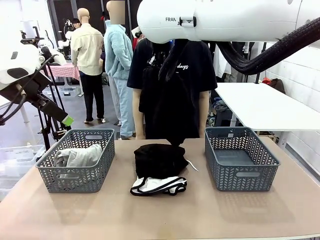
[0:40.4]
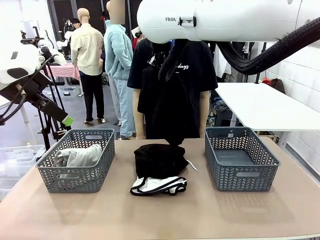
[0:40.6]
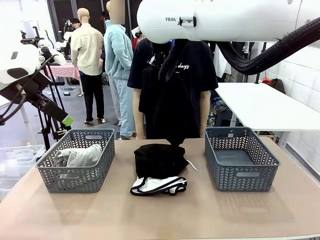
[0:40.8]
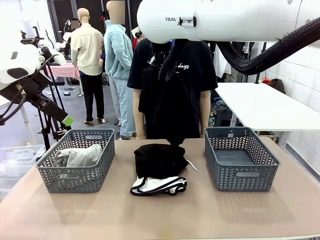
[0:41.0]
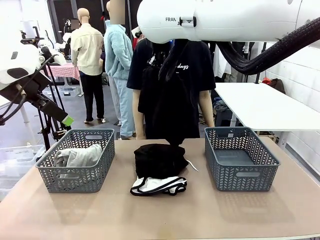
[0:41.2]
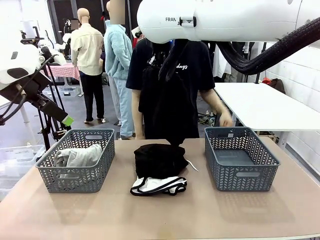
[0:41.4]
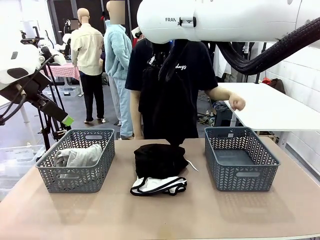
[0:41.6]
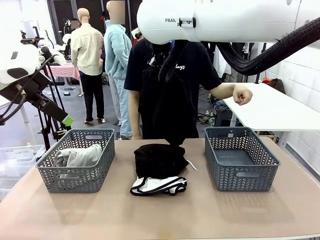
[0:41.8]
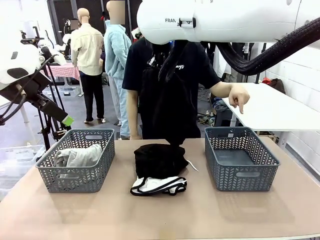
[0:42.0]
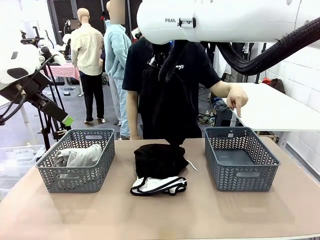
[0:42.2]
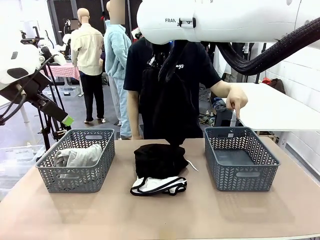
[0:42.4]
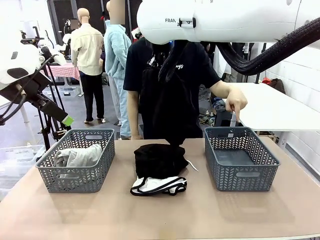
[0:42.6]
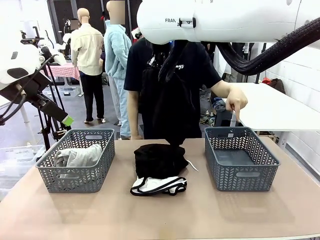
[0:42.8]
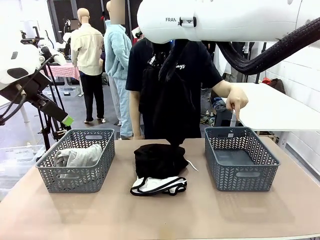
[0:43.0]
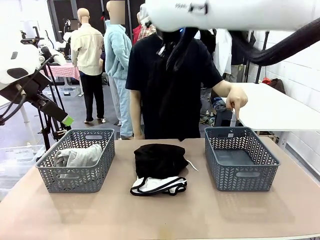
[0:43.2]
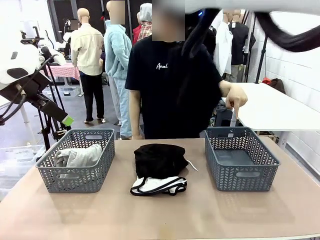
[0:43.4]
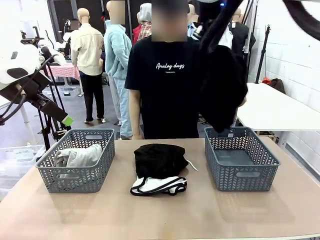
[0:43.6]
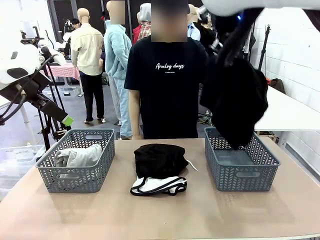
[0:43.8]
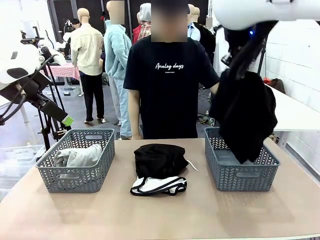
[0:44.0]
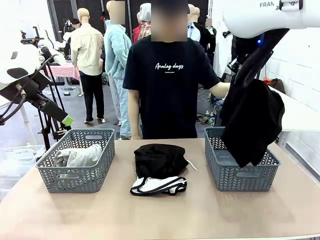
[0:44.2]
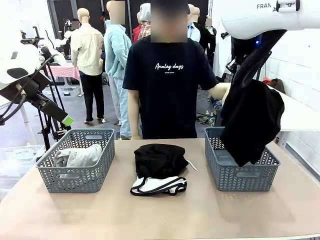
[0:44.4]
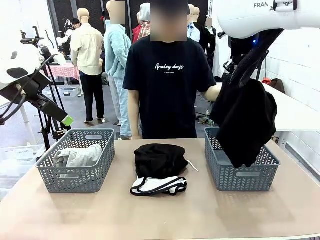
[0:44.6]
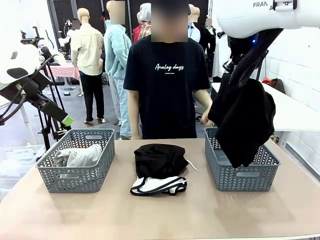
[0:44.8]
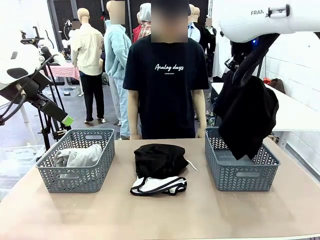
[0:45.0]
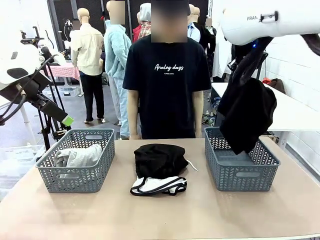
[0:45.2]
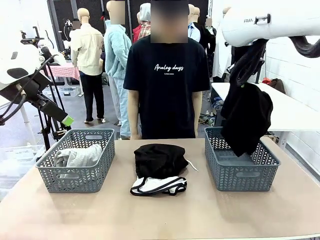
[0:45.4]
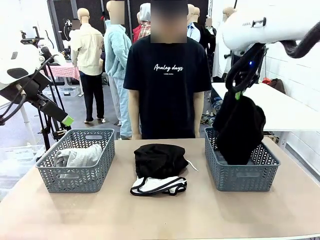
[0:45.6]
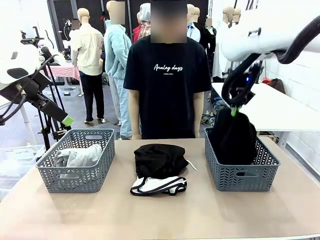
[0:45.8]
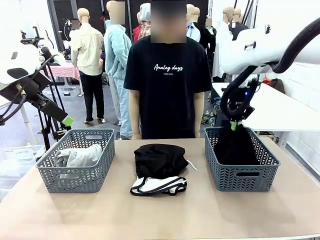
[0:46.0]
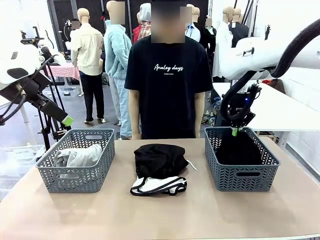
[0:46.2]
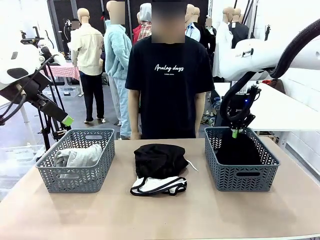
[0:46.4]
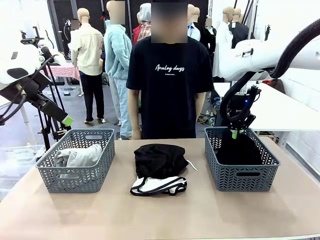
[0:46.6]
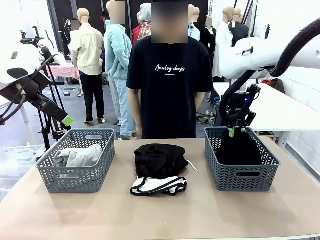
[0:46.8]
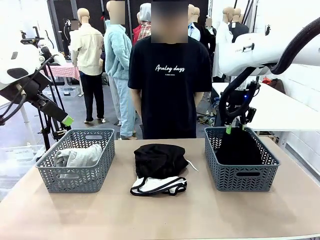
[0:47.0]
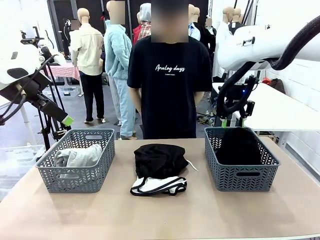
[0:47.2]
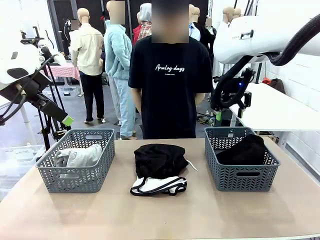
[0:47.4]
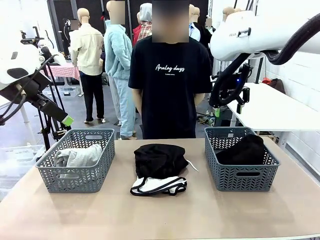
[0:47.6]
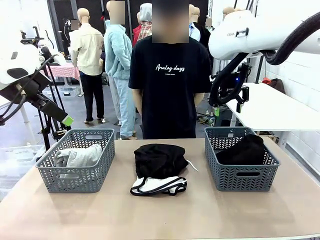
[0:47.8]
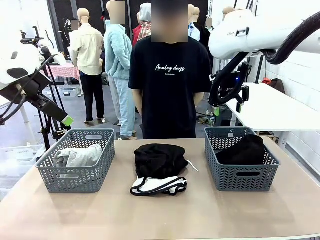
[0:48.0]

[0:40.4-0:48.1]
Task: Sort the tops and bottoms.
Robot: Sort the clothes according to human instructions.

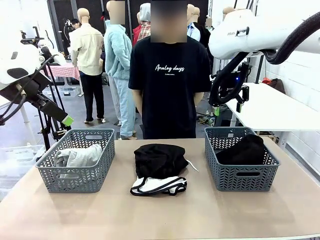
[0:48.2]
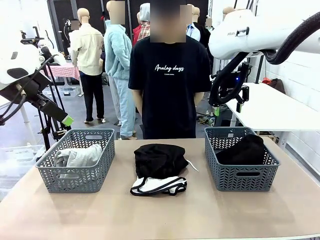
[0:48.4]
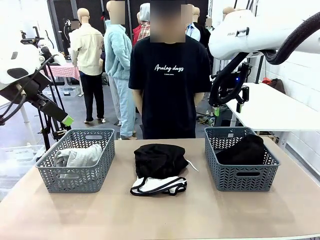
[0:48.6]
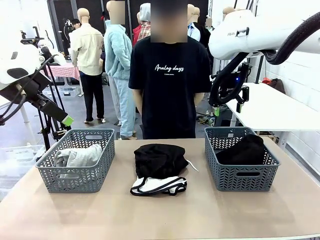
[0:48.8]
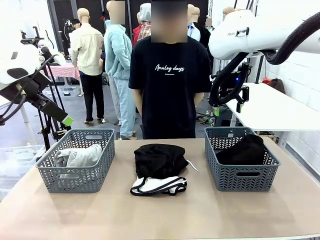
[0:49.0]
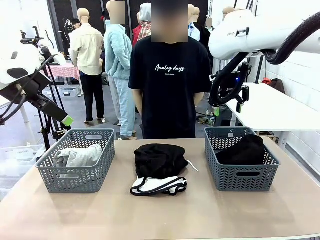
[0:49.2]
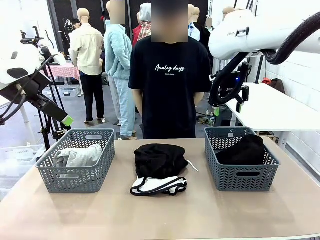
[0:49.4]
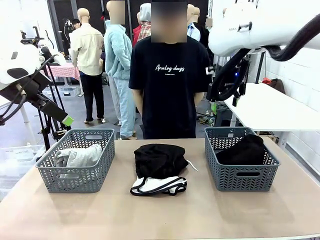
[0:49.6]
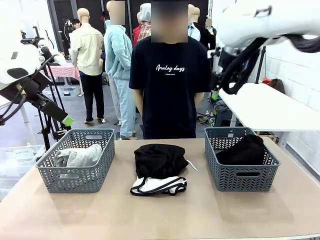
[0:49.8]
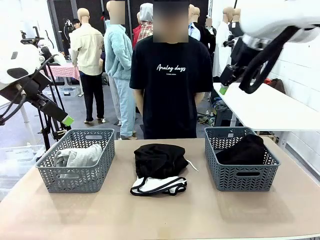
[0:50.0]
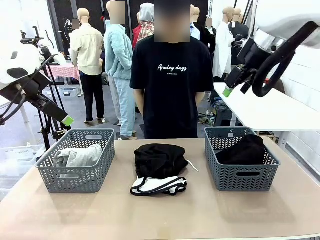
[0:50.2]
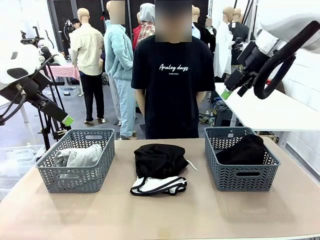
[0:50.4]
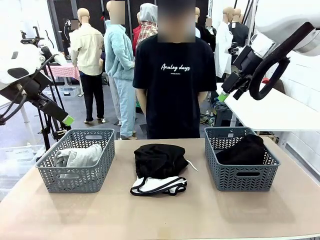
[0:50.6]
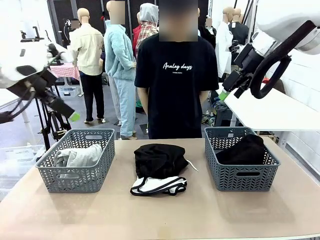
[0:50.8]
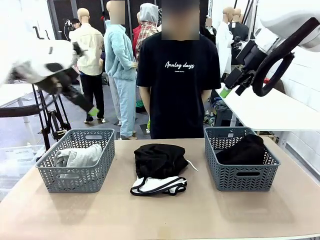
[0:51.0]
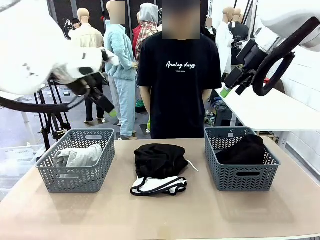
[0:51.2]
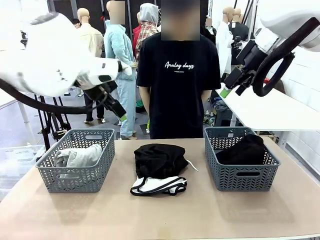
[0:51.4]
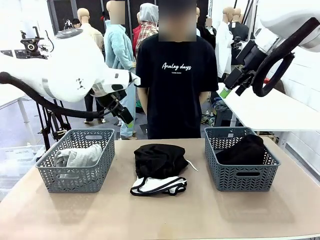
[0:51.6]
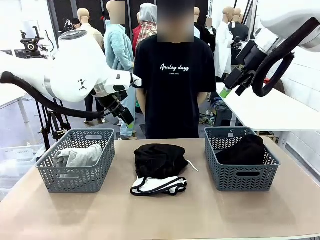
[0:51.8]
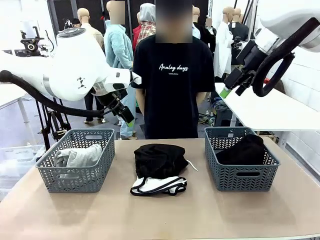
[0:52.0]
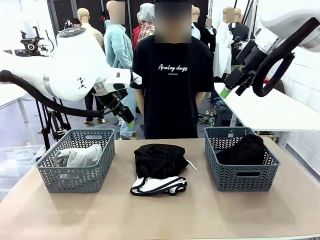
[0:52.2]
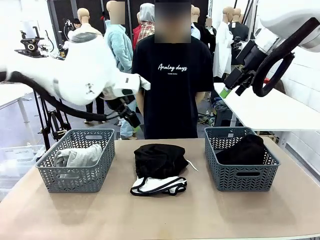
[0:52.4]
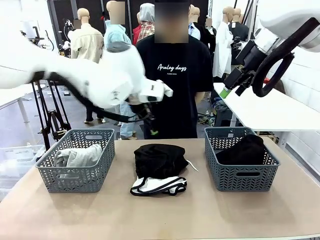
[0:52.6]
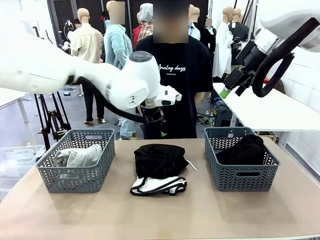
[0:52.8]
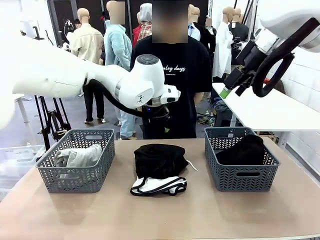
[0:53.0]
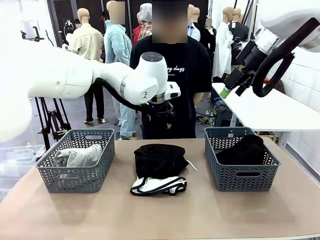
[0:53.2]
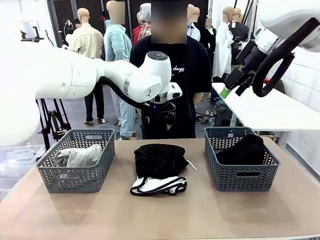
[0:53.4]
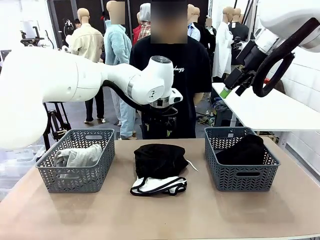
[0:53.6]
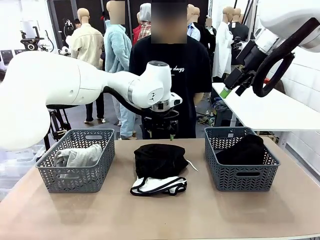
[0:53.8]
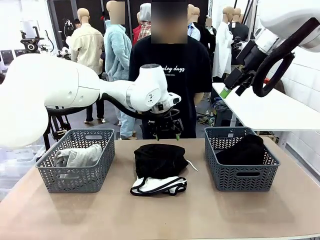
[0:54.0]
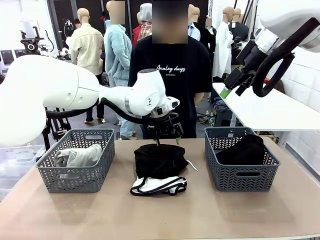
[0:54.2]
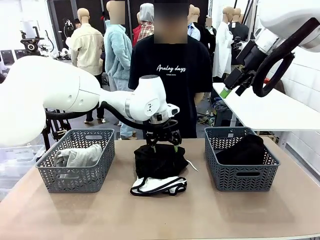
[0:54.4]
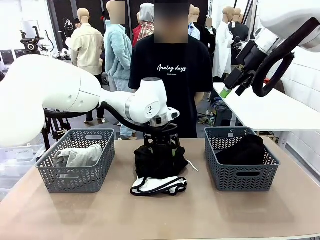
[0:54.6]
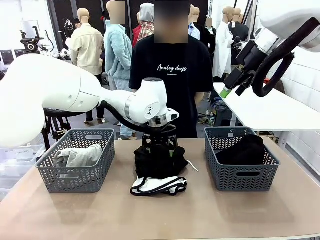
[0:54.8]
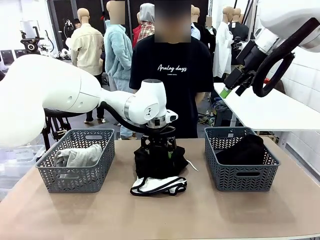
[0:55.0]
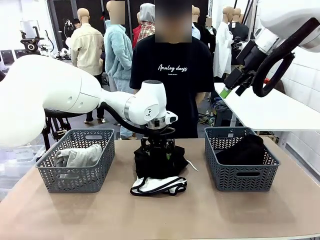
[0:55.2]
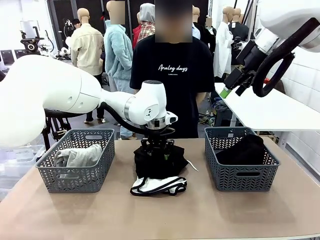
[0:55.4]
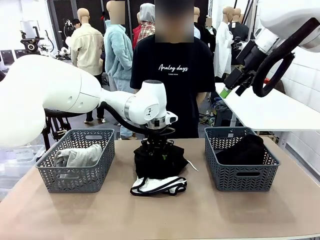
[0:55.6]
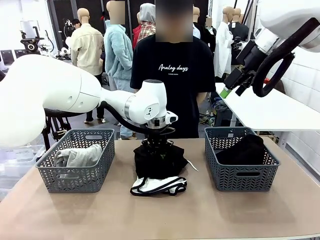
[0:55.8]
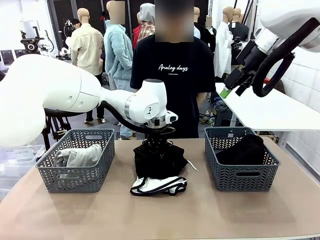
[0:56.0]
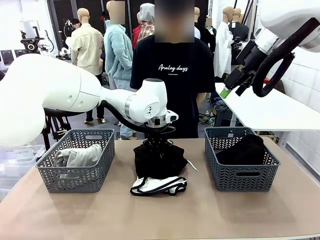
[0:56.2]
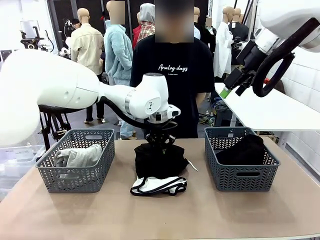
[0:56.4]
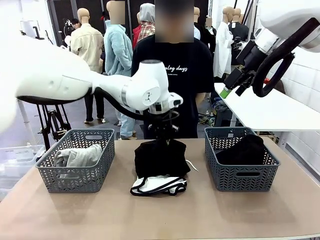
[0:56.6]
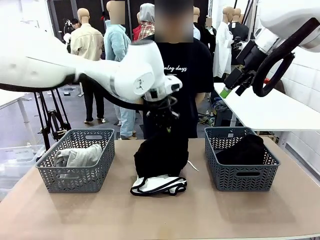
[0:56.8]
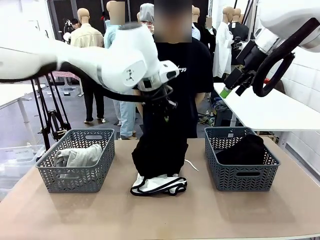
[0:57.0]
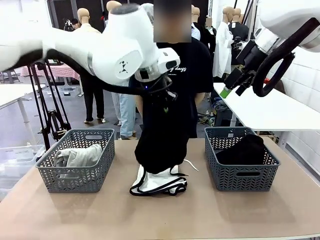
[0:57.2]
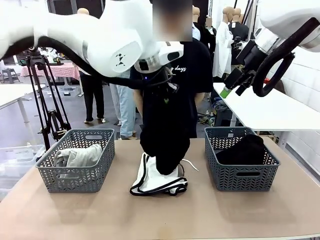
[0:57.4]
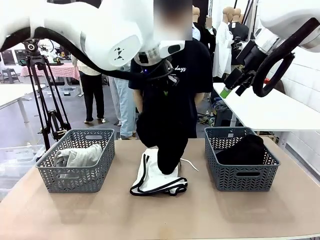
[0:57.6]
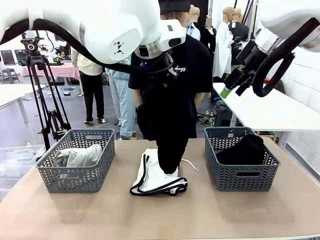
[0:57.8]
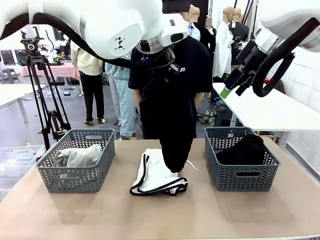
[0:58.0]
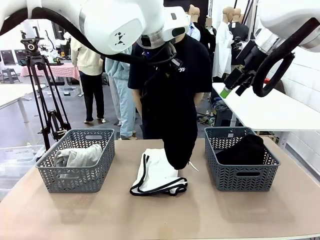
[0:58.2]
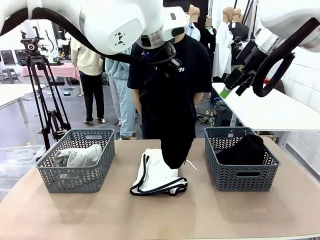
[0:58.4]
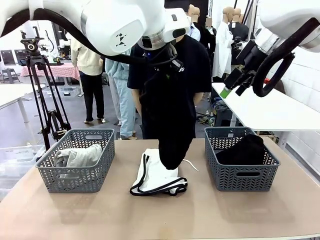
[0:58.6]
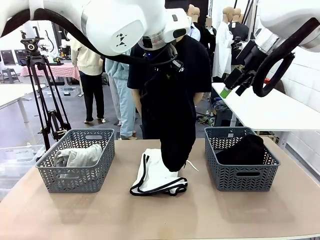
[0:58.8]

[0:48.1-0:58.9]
Robot: Lift clothes from the center of the table with your left hand.
